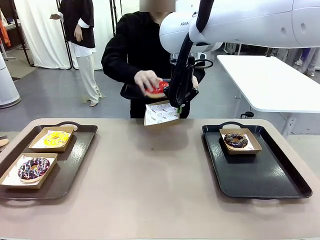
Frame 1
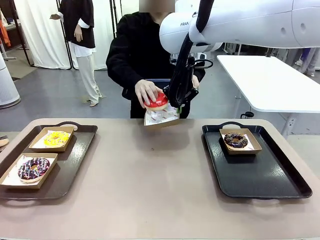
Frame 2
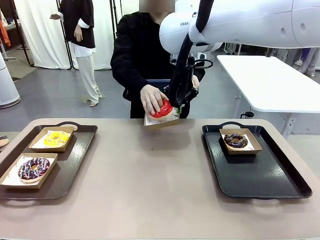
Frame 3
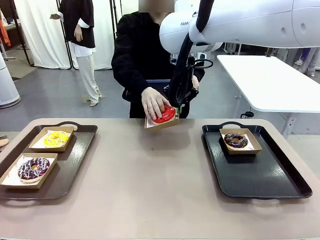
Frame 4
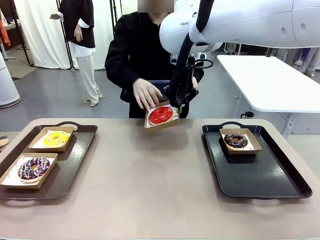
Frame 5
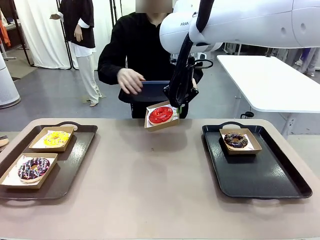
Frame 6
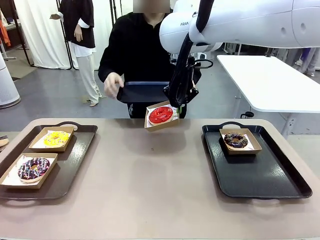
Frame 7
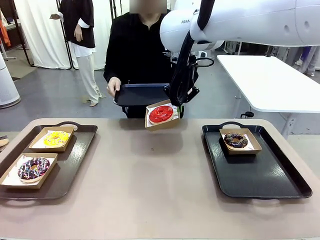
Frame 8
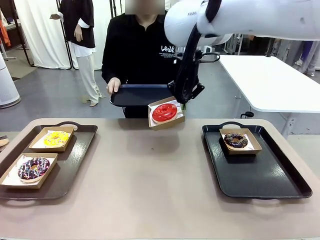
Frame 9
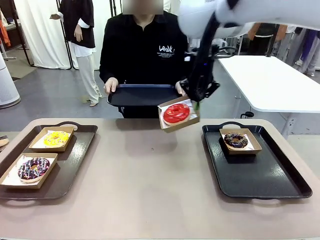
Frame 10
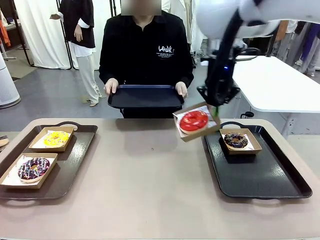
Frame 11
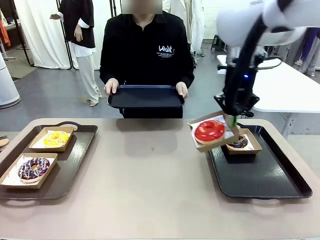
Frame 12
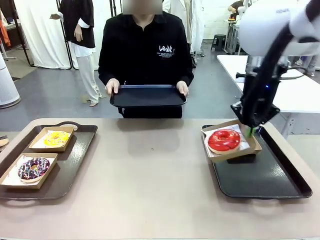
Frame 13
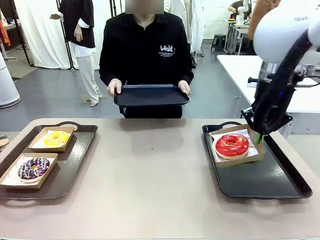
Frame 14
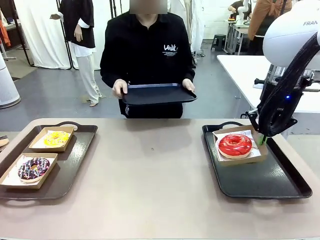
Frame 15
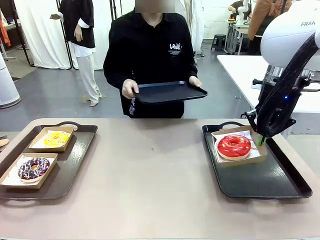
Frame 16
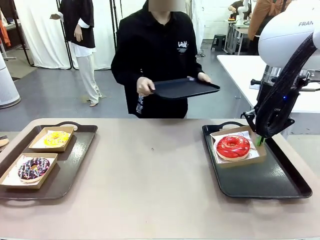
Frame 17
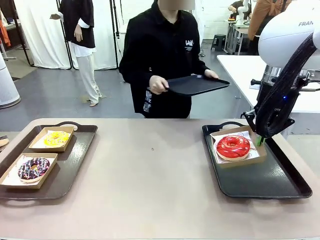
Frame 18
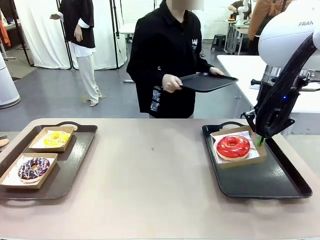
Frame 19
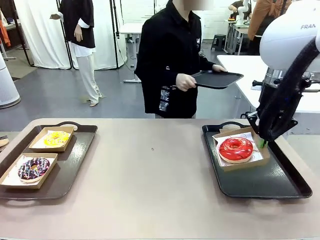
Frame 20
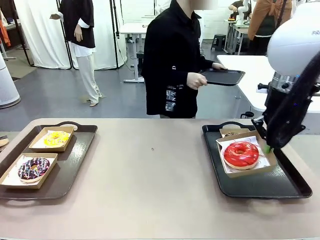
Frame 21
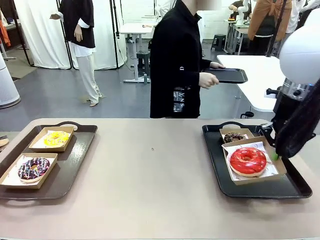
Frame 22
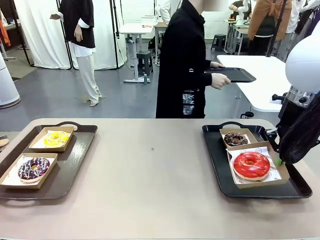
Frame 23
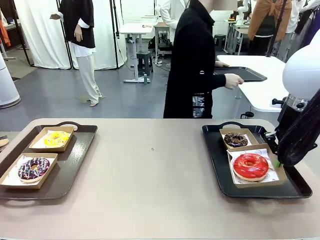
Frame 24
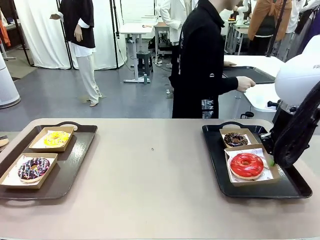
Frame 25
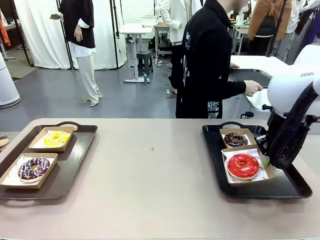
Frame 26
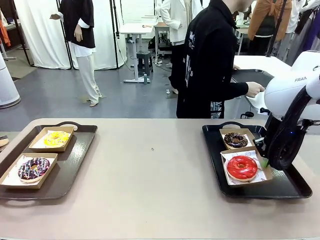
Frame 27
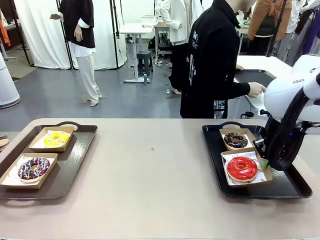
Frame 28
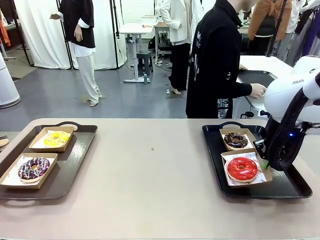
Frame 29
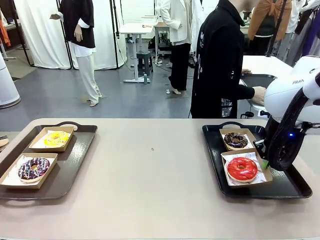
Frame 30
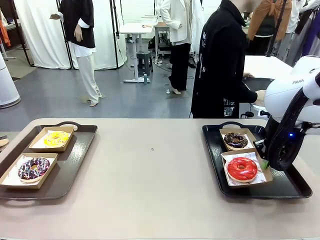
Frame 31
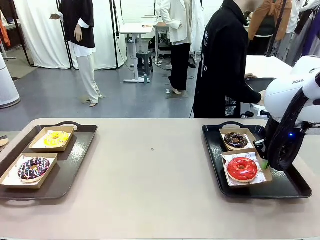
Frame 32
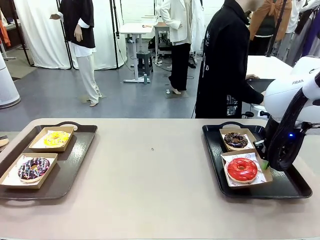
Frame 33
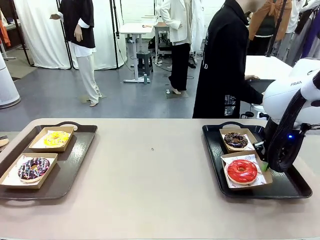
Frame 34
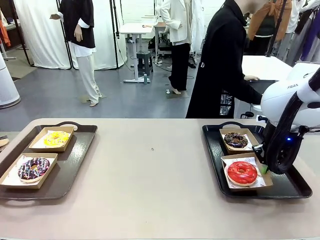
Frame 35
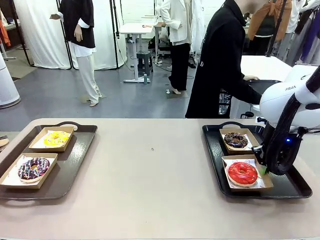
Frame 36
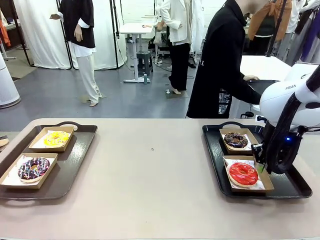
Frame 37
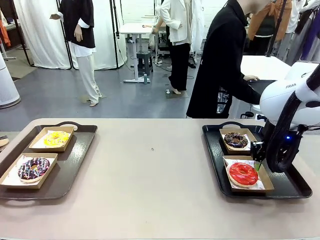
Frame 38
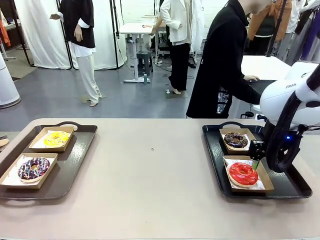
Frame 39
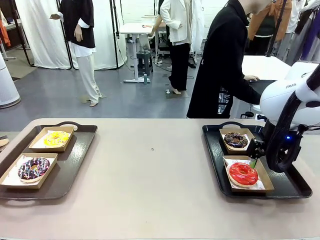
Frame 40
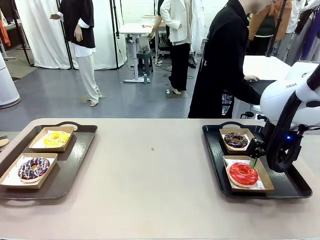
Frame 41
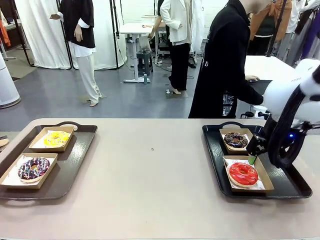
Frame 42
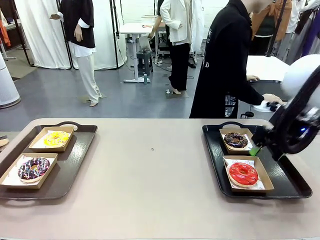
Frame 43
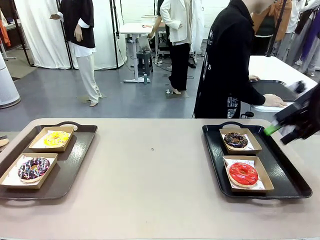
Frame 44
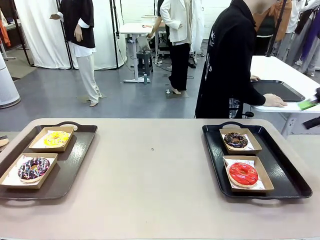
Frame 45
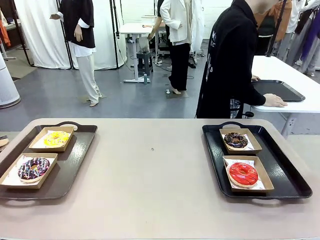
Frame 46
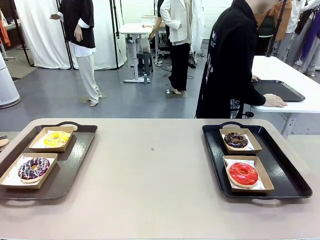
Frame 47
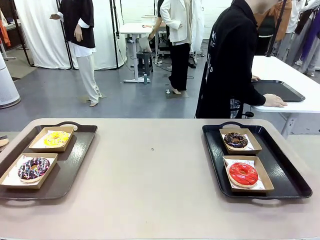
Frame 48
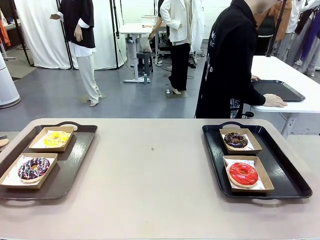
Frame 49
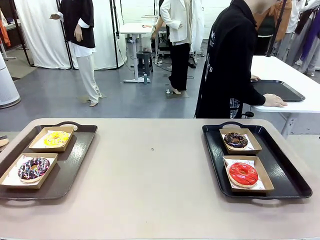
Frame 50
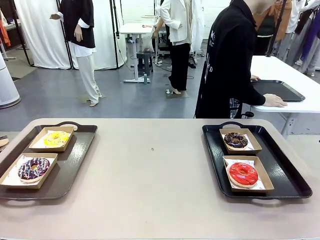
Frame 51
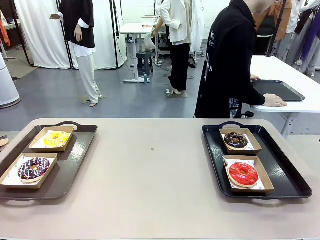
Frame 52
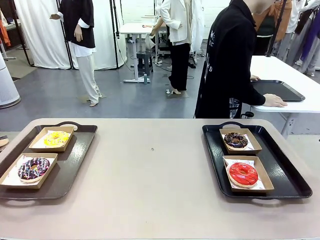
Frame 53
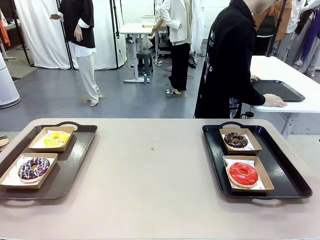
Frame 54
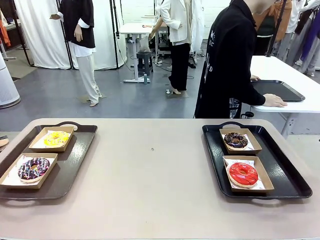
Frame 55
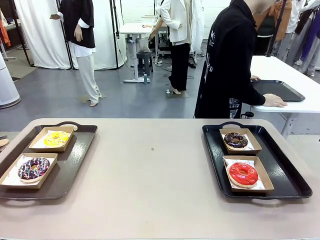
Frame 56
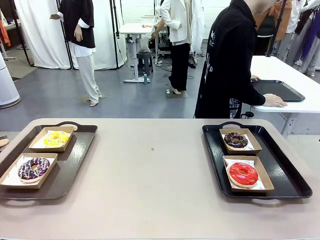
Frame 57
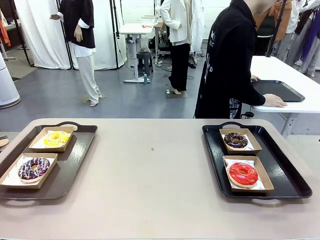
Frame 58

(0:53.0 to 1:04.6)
Task: Individually package the donuts and arrange them on the tray.
Robot: Place the picked Paper togo box on the Handle tray.
Person: Place the tray down in the middle of the human table.

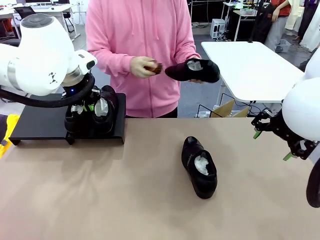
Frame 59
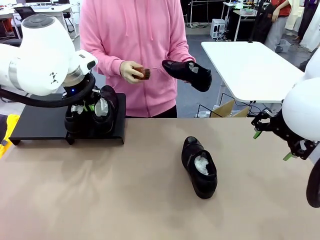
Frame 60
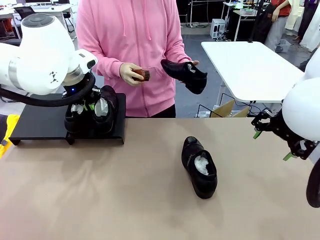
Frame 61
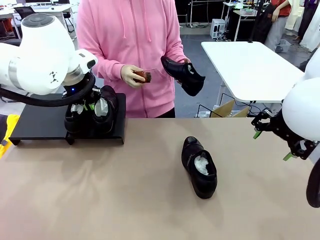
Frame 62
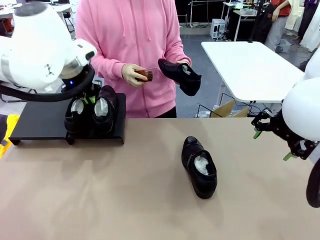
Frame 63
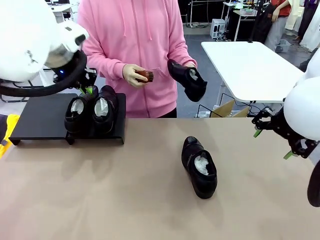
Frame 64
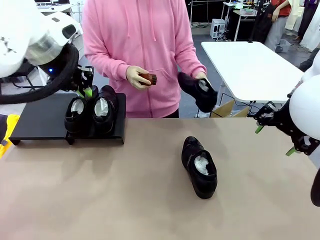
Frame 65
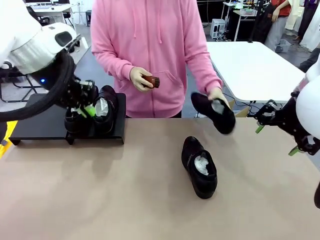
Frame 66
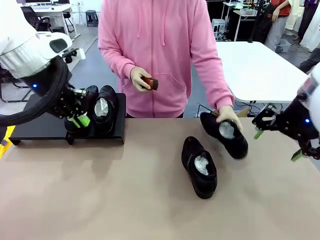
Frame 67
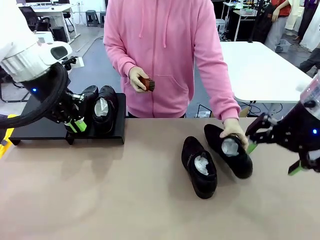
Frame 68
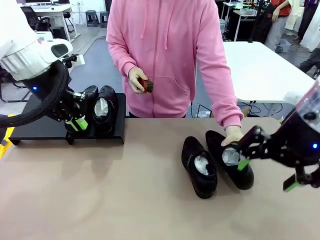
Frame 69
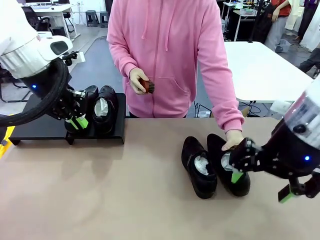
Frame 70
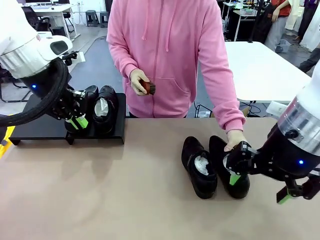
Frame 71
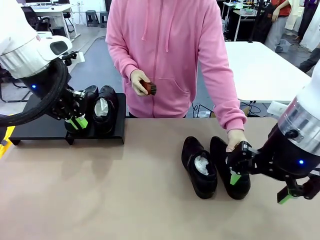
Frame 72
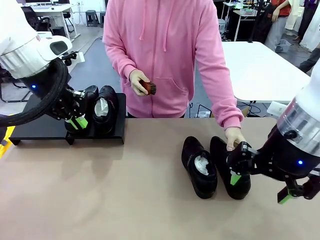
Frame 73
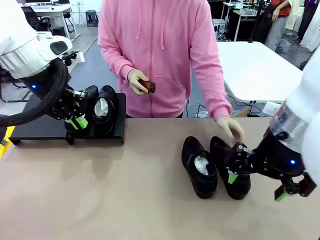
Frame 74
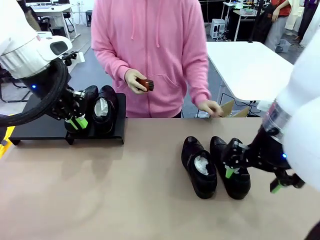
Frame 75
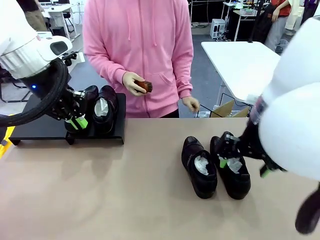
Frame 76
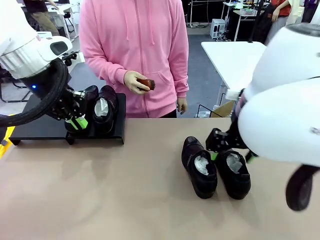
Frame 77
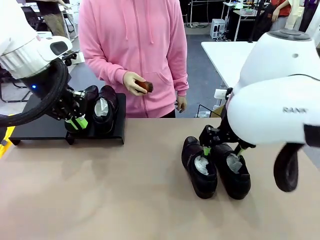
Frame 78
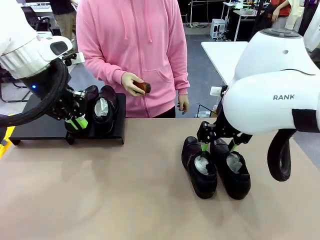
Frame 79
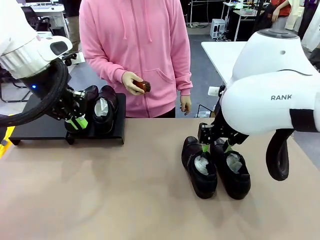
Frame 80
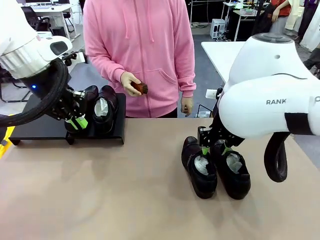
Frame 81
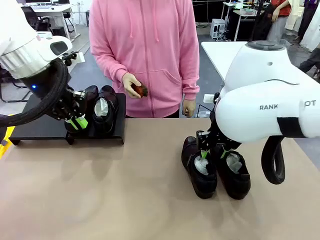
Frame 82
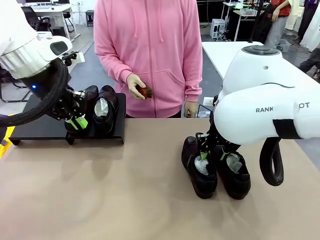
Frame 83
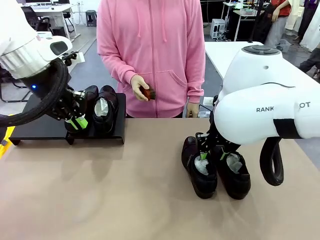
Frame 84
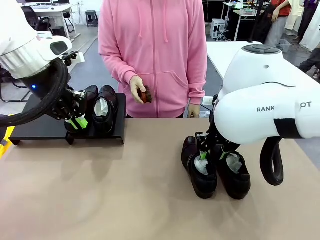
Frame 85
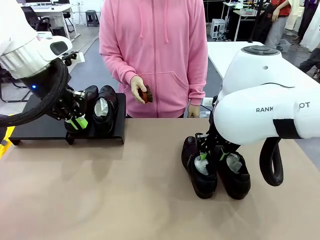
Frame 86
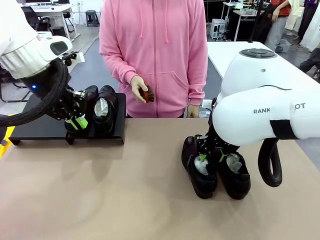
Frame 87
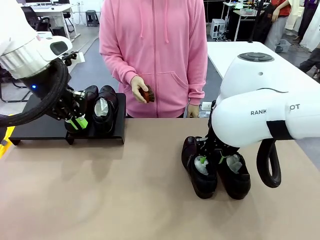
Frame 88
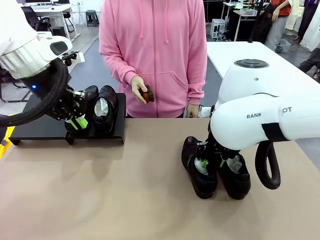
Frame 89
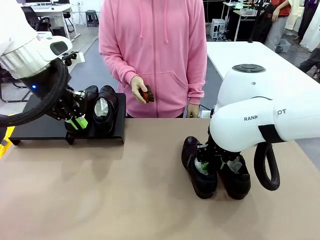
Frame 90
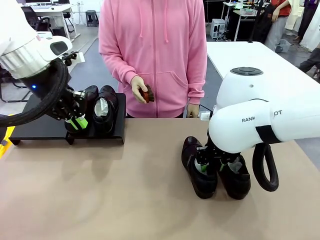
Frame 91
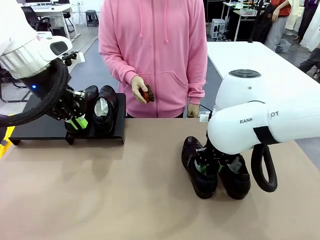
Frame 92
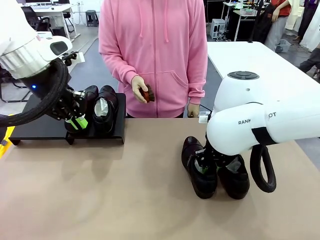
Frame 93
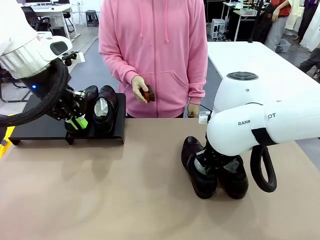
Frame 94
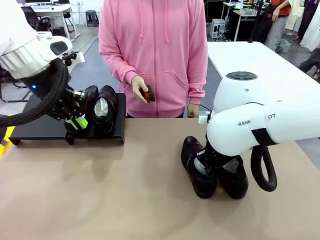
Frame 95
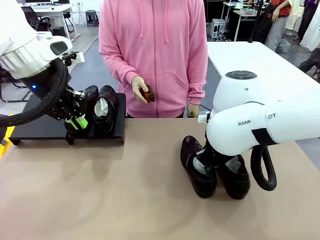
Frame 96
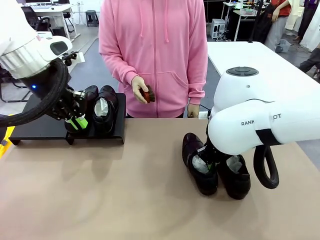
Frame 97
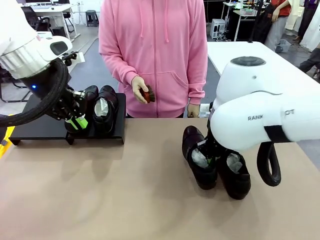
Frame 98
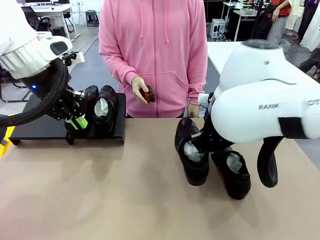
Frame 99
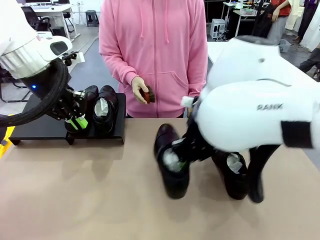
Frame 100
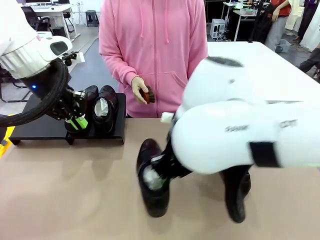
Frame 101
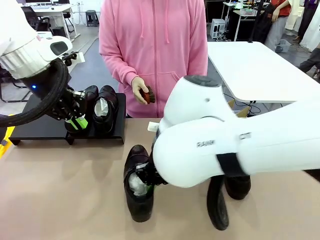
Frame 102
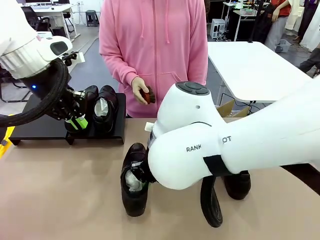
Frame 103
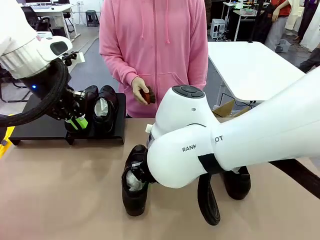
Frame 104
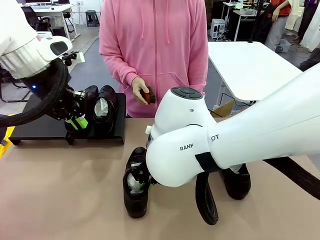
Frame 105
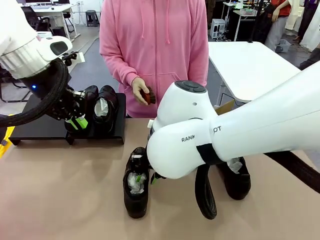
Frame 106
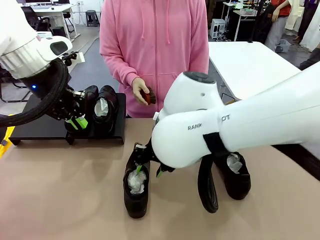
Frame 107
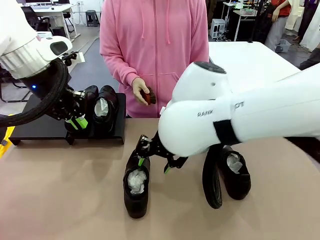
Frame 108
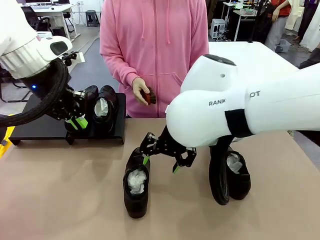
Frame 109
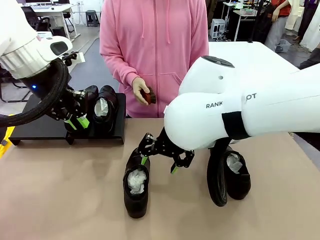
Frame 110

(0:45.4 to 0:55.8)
Task: Organize the shoes by placing them on the stand.
Robot: Pick up one Shoe and place it in the middle of the table.
